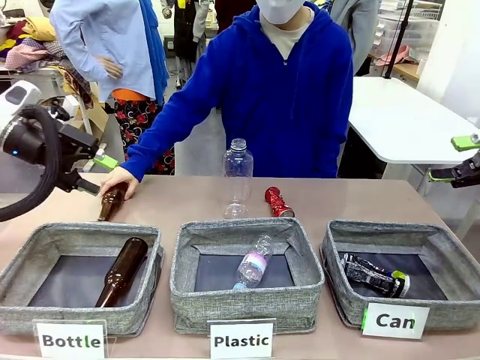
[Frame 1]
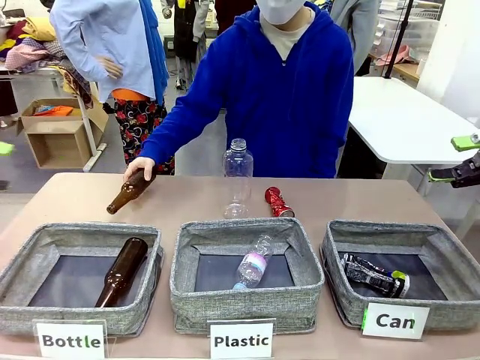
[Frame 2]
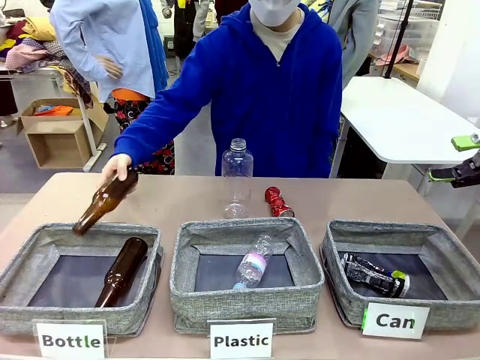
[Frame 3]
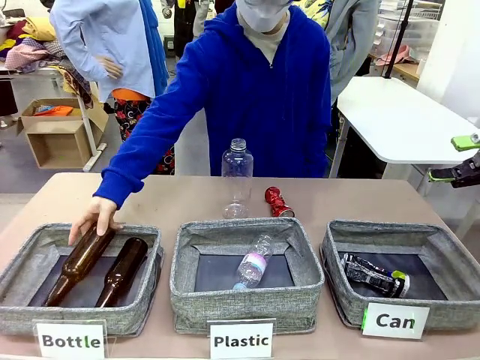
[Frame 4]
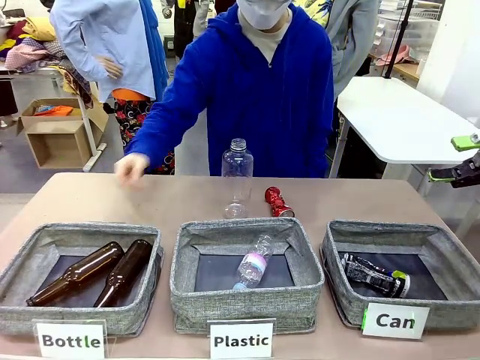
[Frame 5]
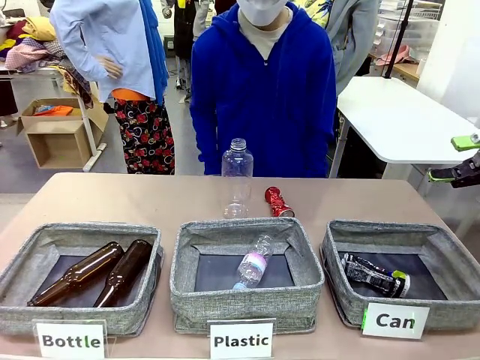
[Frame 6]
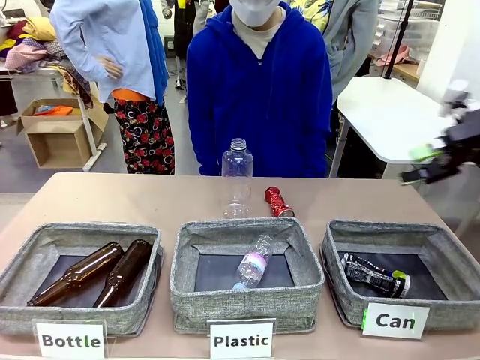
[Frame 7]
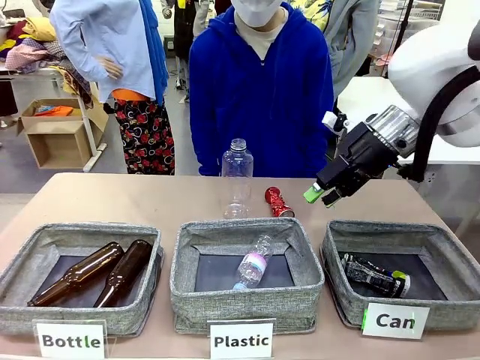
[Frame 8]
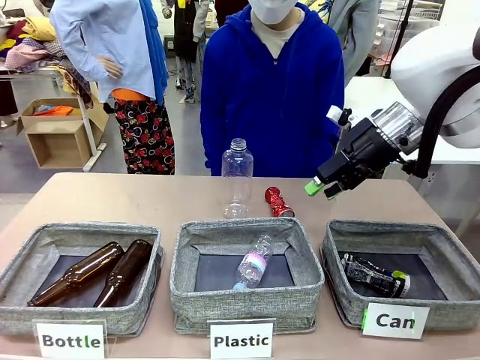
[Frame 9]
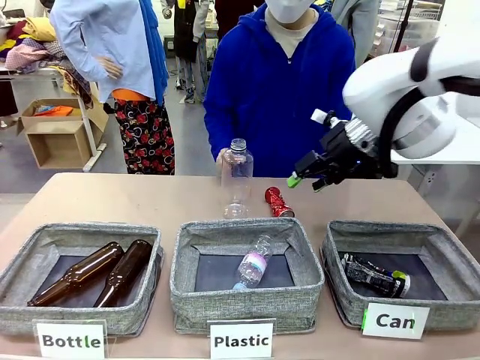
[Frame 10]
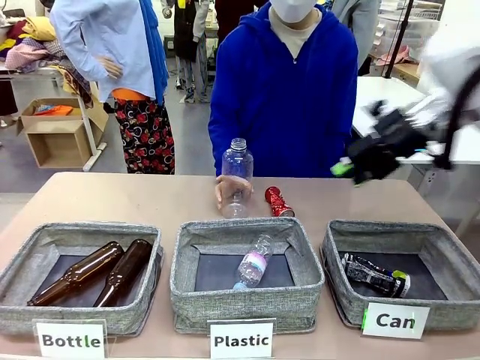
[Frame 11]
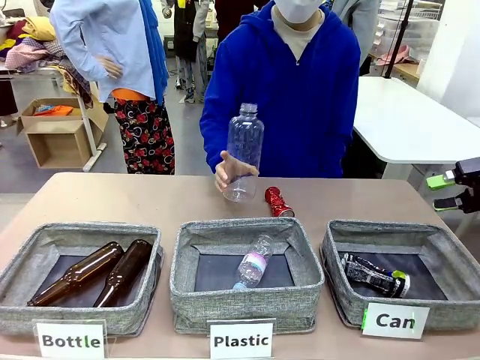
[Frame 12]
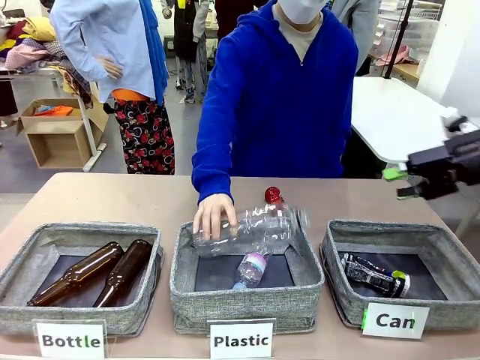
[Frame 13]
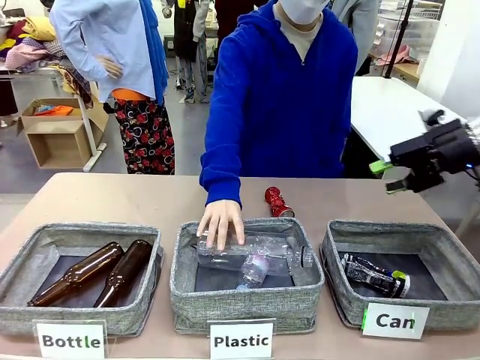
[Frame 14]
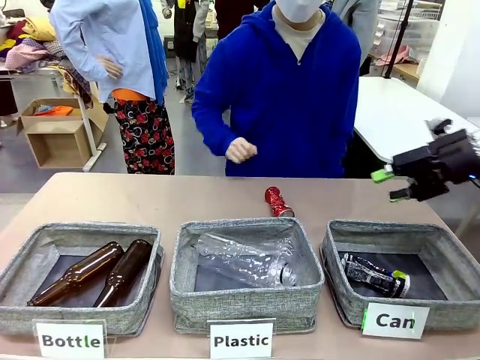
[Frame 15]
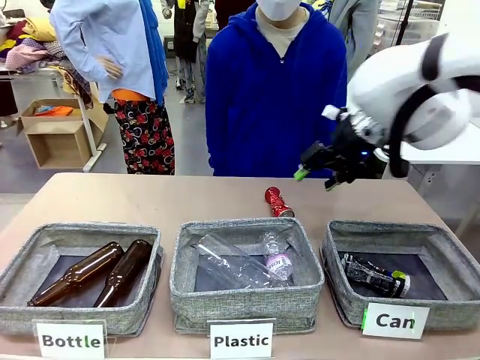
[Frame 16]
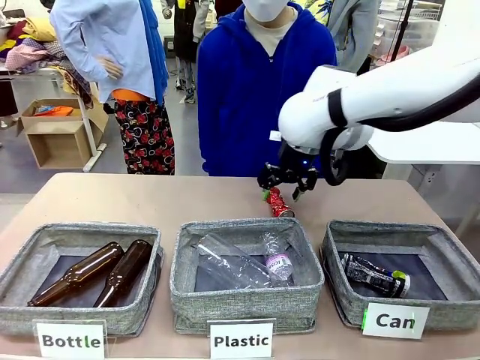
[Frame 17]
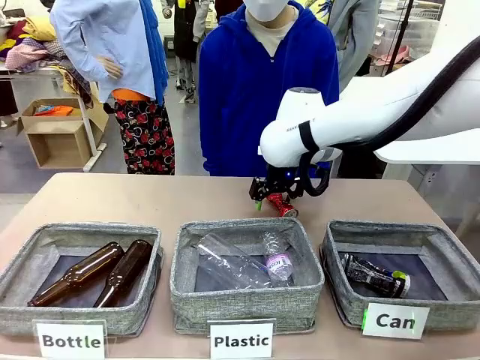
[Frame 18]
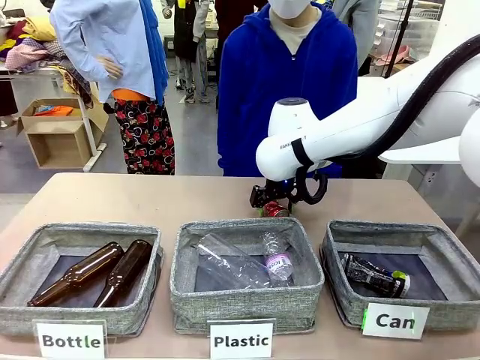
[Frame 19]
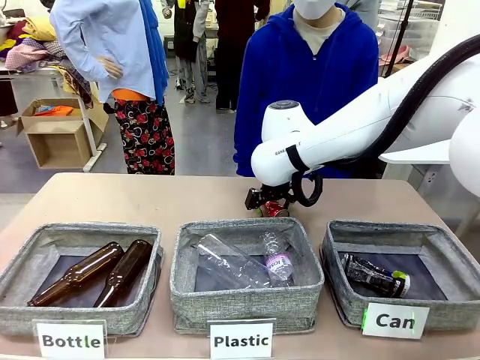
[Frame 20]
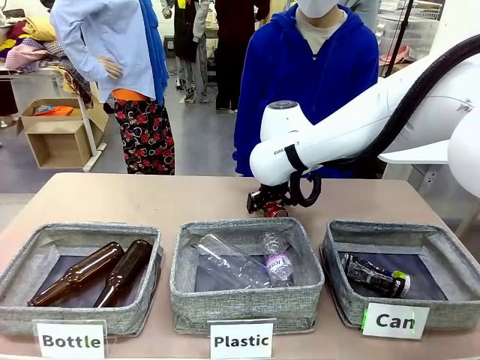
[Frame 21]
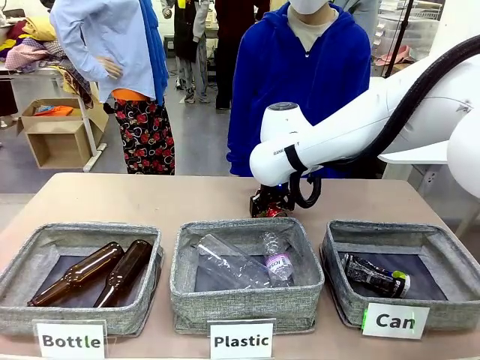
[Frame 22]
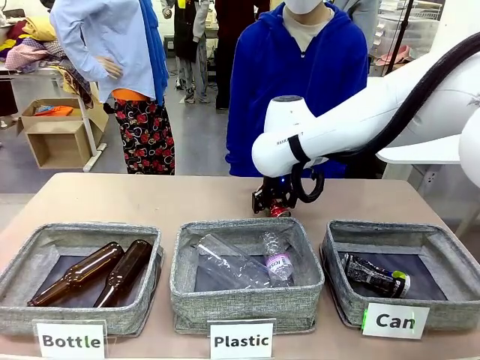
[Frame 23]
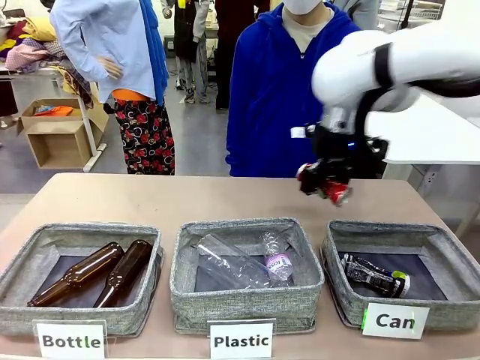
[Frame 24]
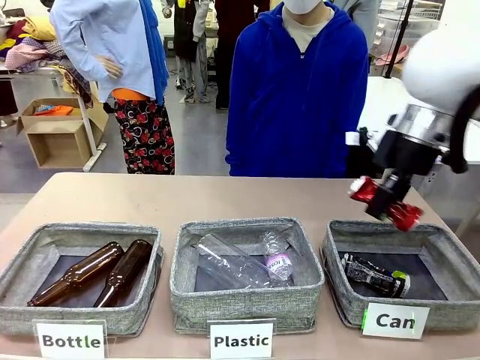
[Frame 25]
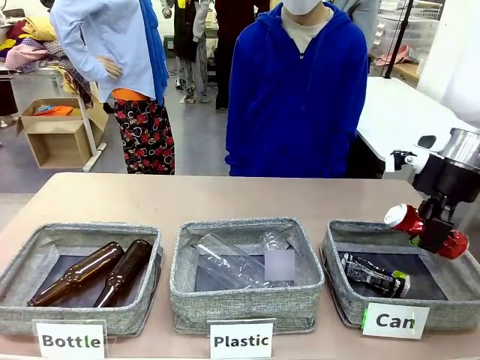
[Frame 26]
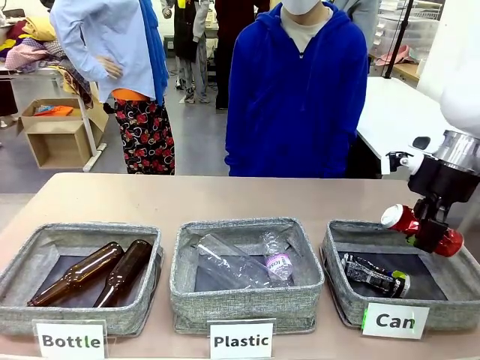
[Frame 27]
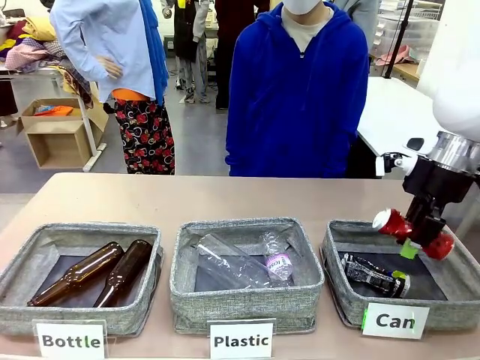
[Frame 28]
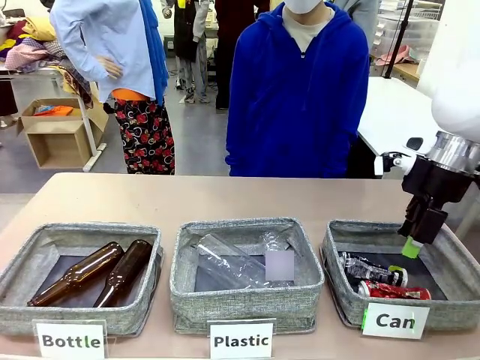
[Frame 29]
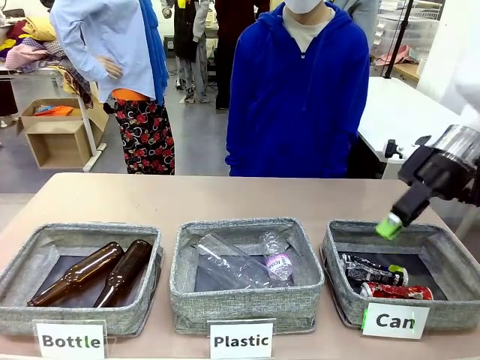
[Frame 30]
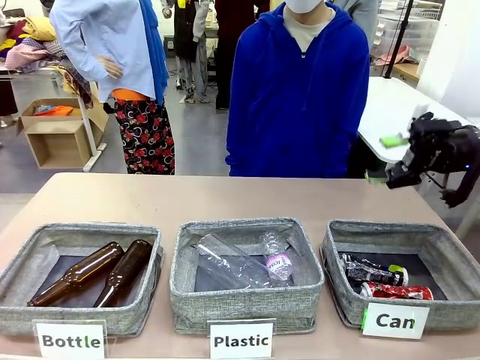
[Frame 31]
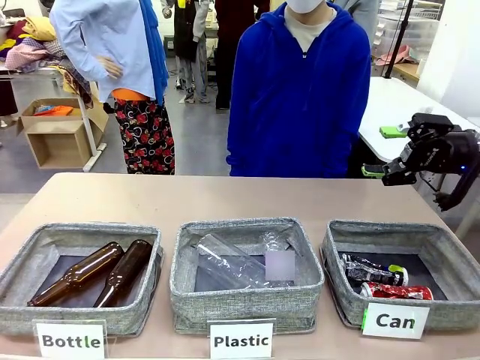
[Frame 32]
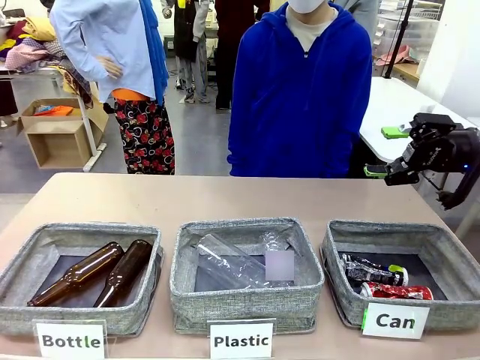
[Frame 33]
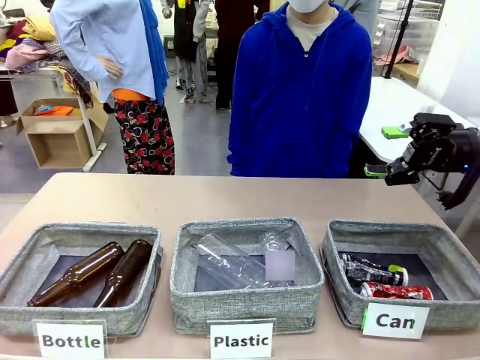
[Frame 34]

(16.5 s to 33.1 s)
Task: Sort the can waste into the basket.
Robot: Pick up the can waste from the table and place it in the right Fabric basket.
Person: The human picks up one piece of trash that is not a can and places the trash into the appropriate organizing basket.
